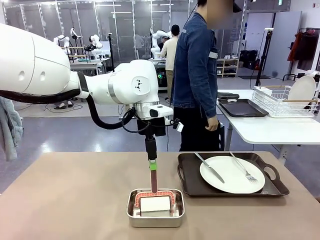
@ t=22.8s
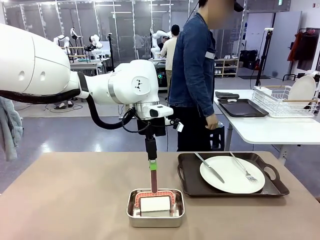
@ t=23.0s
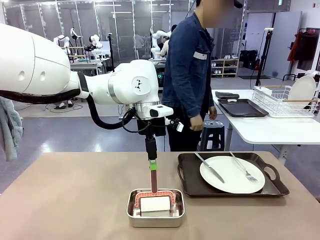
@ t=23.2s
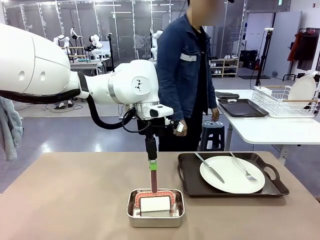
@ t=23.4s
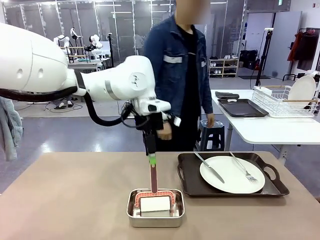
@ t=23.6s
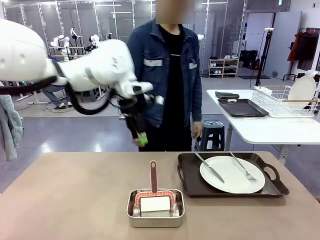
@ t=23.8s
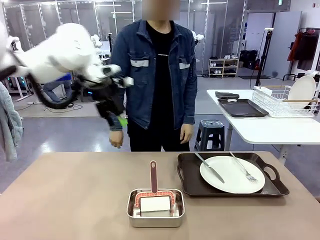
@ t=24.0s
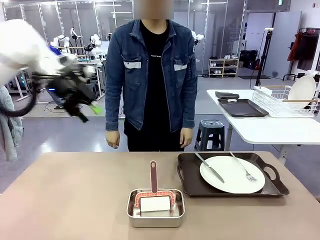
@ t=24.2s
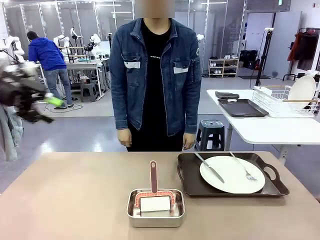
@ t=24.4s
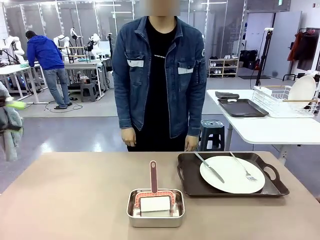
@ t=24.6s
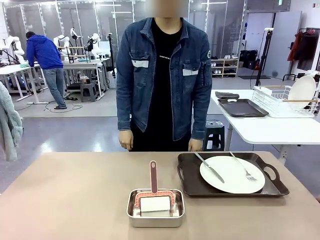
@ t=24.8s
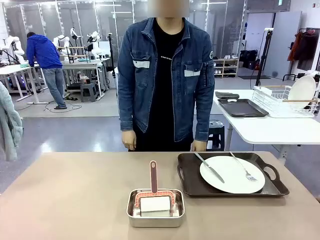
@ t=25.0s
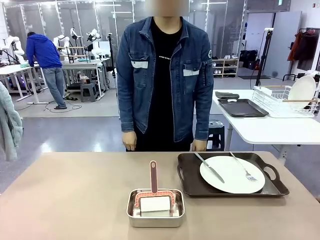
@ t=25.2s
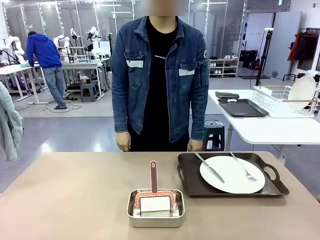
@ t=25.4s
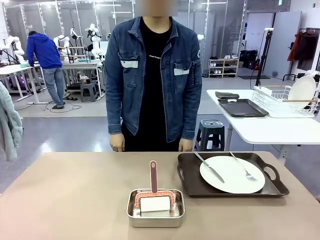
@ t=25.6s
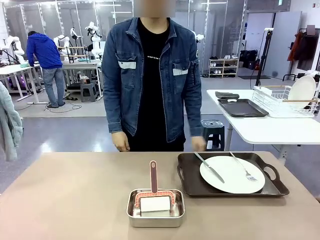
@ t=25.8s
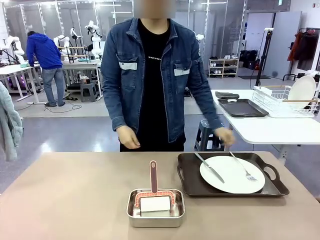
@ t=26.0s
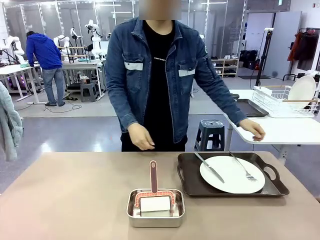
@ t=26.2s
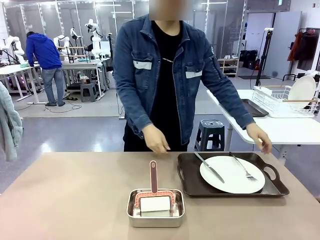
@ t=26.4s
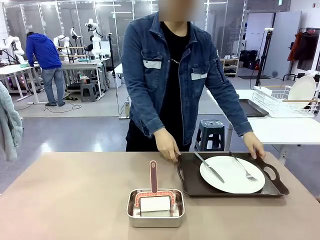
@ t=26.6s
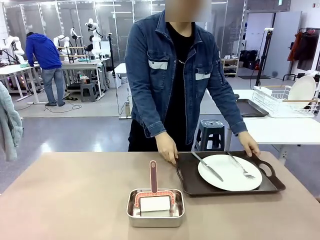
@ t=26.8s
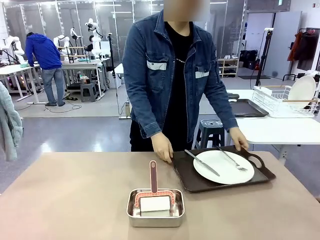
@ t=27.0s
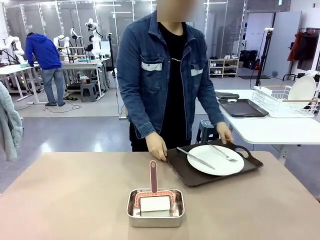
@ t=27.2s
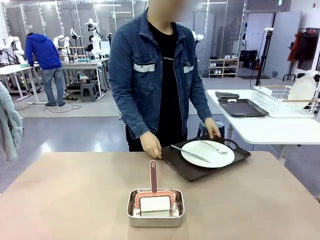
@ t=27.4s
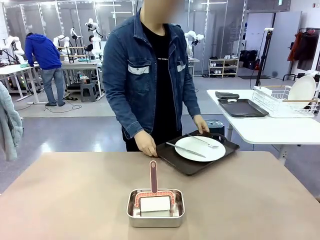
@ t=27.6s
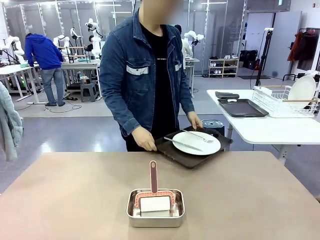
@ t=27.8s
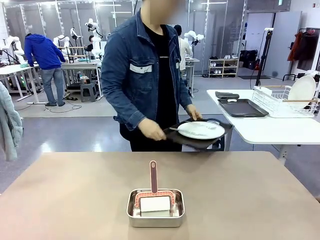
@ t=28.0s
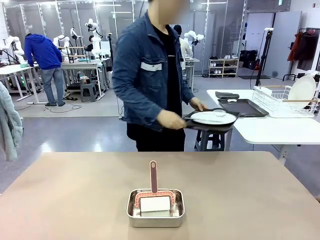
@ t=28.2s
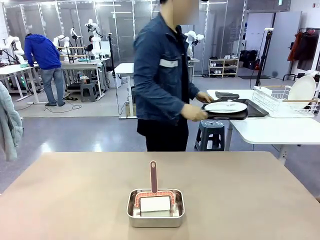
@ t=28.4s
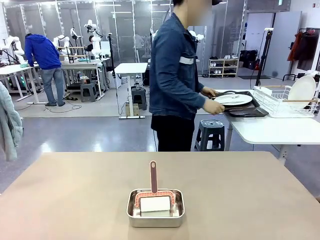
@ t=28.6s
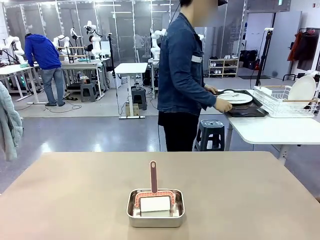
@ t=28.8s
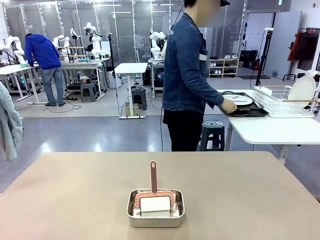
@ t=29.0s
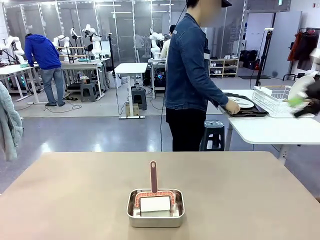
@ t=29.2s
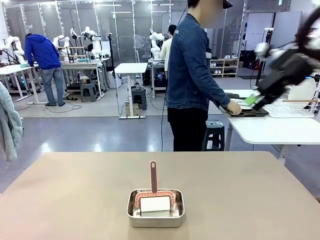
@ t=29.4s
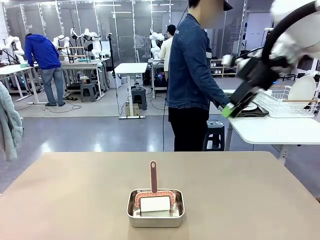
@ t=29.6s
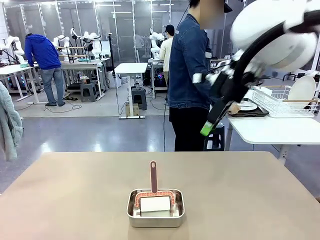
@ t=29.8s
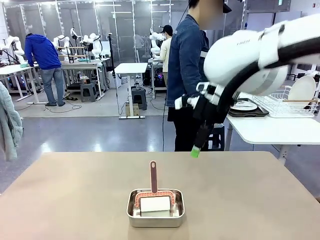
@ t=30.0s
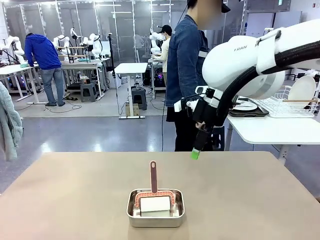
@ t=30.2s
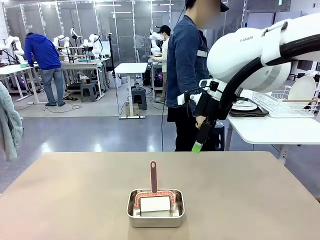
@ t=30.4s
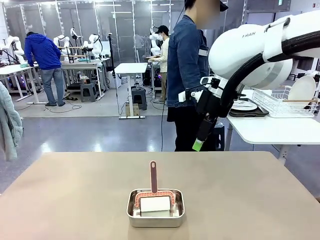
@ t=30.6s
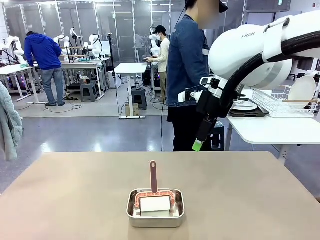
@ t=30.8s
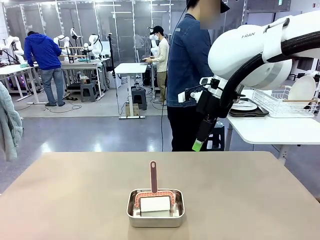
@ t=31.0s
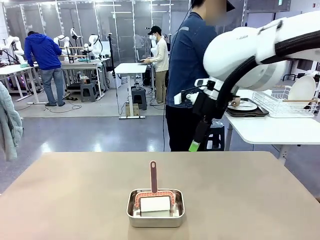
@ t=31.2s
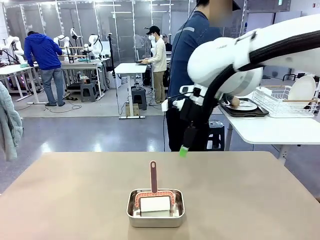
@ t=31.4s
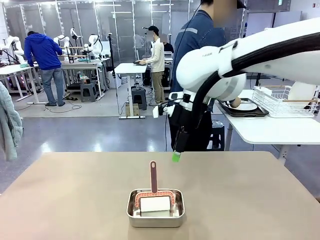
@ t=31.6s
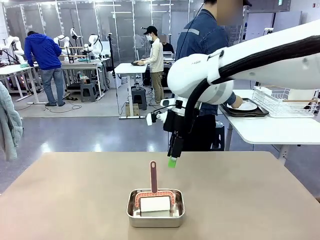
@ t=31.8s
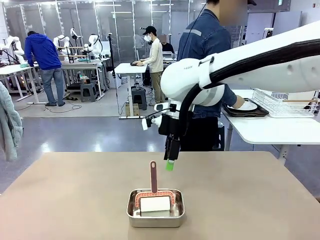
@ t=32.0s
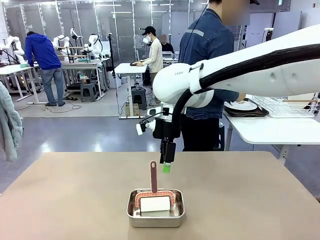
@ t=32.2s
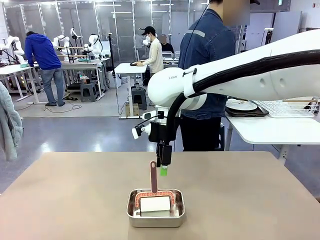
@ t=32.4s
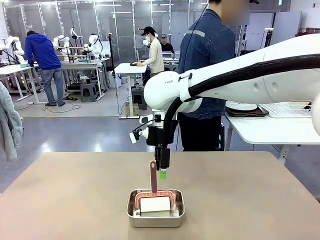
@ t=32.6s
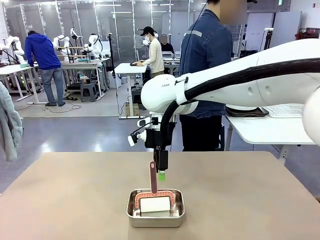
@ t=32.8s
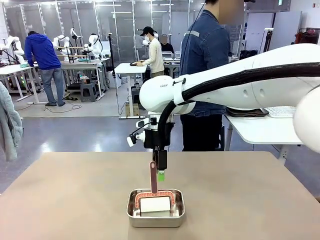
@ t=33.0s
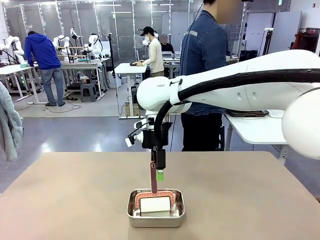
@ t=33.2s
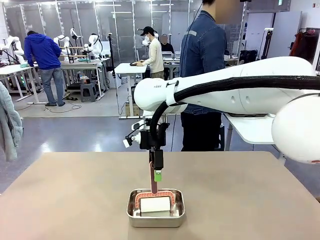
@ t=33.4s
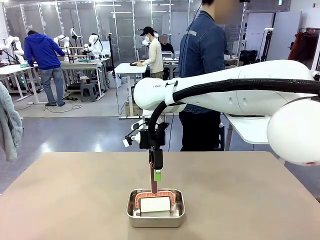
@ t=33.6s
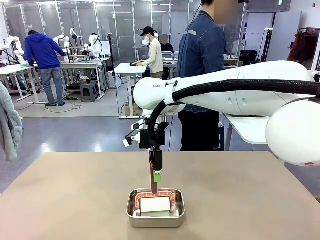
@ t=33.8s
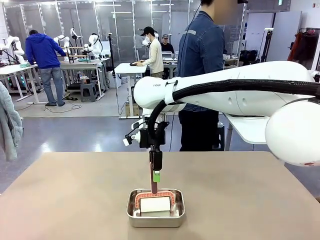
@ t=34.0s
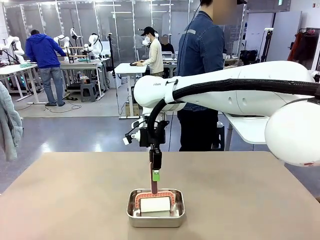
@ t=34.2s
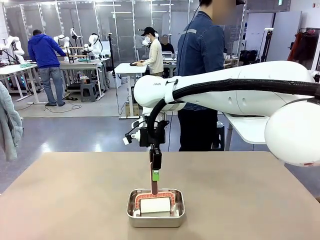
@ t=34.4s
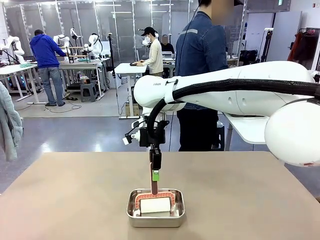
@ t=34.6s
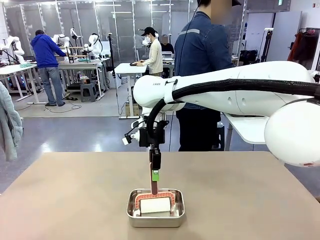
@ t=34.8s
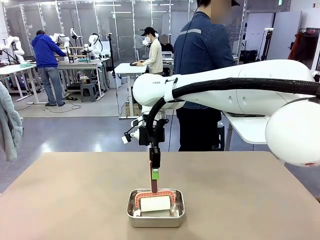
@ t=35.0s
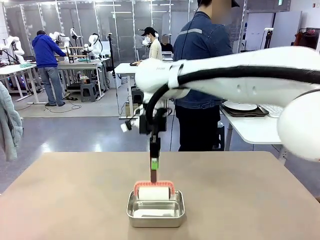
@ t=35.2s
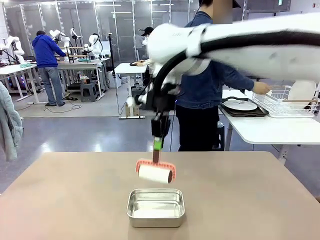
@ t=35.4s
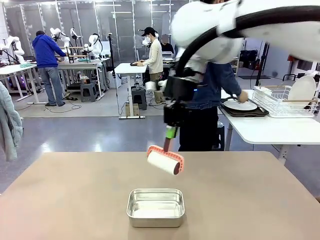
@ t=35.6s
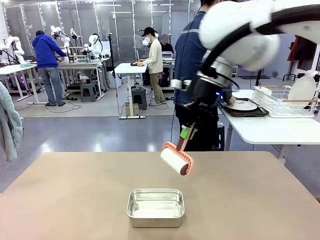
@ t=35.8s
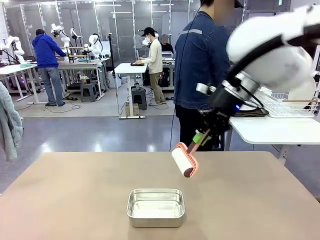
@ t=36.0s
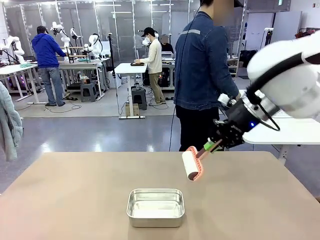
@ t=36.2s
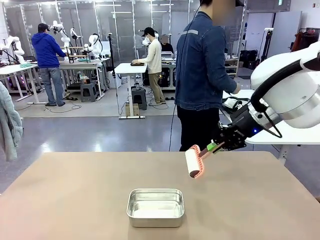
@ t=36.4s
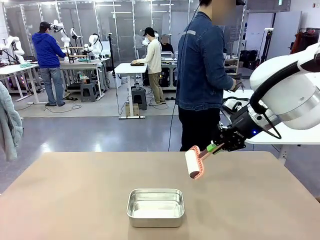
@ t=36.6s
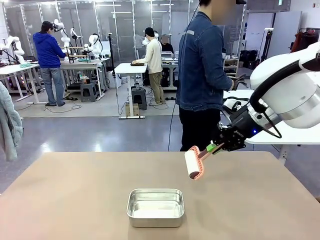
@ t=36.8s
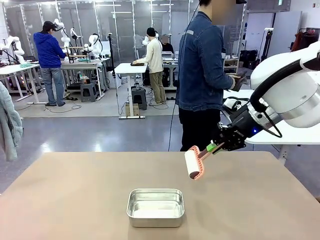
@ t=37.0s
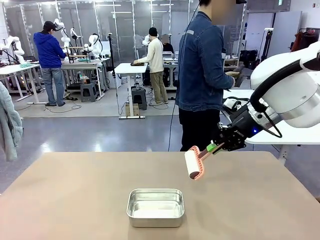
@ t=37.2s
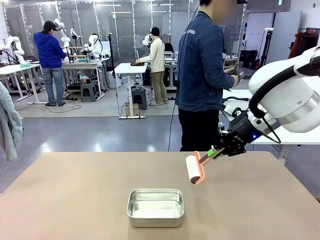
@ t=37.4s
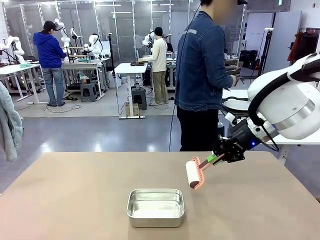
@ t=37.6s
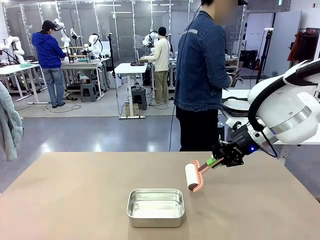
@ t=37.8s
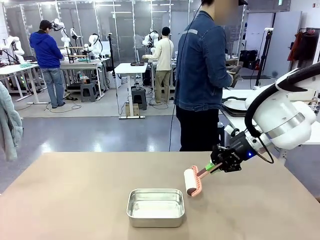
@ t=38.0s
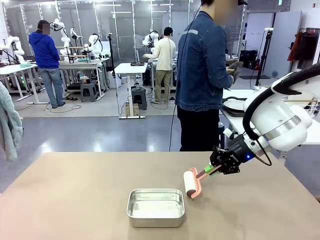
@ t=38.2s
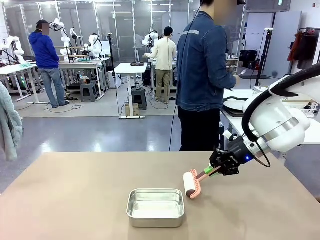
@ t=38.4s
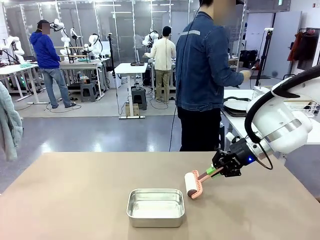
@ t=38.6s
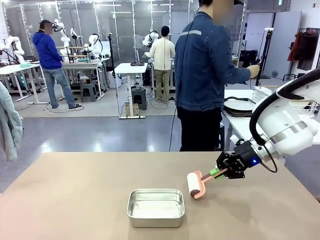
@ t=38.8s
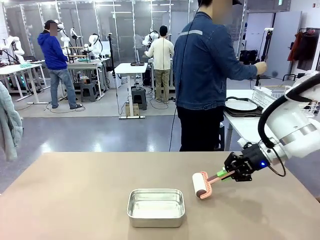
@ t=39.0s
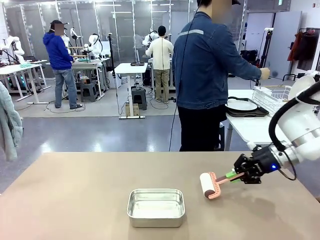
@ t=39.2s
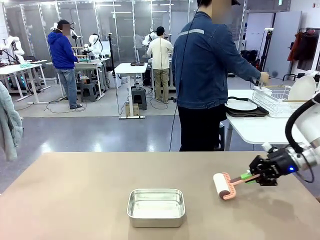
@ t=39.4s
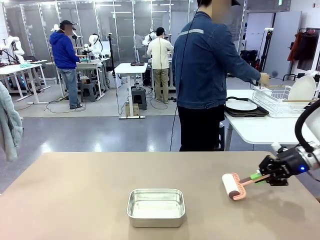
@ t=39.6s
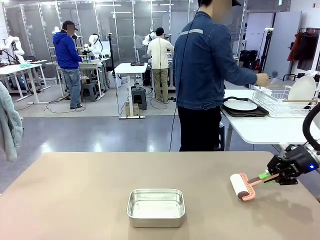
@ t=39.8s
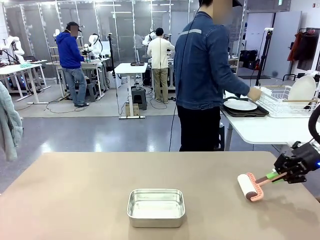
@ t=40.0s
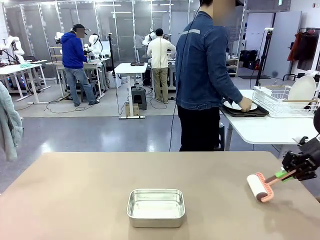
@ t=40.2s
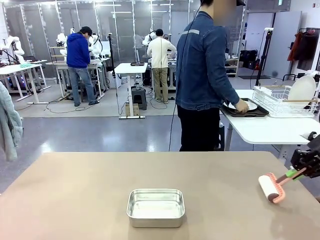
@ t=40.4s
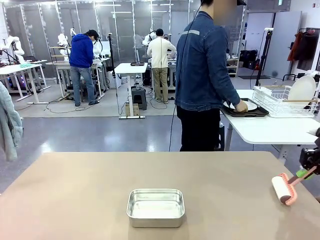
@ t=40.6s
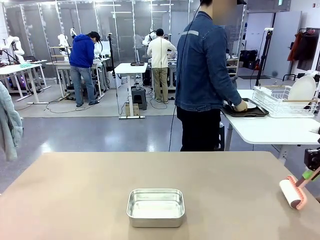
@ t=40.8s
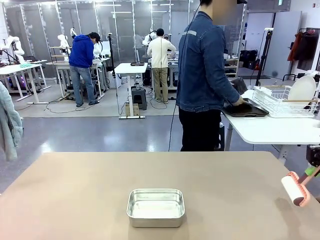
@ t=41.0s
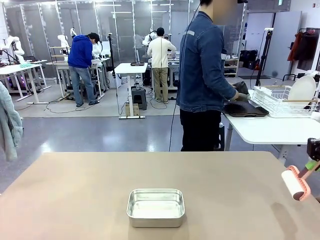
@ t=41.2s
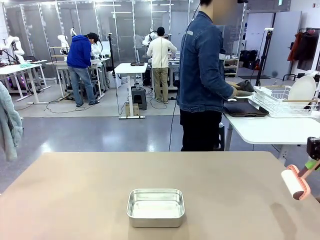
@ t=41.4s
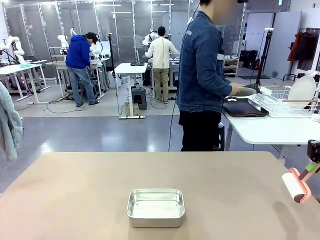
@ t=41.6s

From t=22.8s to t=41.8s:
Robot: When the right (or left) Handle tray is removed, use the right hand (or left hand) to clean the right (or left) side of the table with the Lint Roller.
Person: Pick up the left (or right) Handle tray and place it on the Handle tray. Use the Towel with hook to wipe the Plastic Matte Plate , Fork , and Knife and place into the Dish drying rack.
